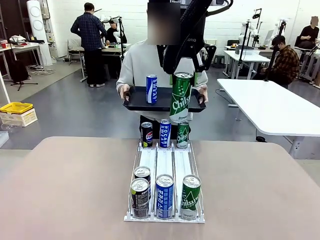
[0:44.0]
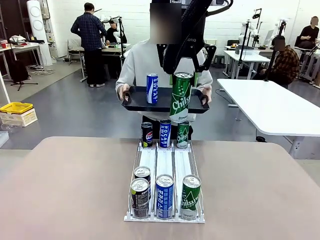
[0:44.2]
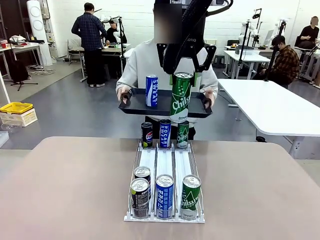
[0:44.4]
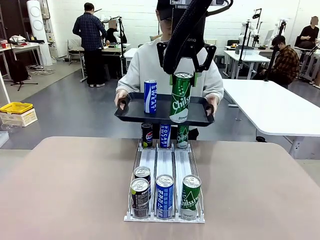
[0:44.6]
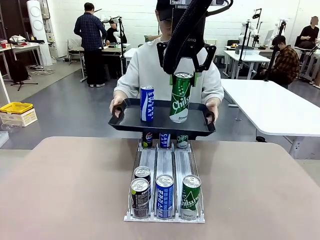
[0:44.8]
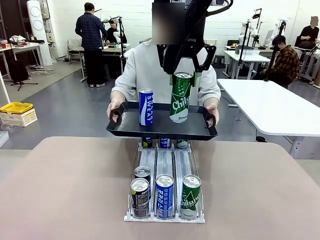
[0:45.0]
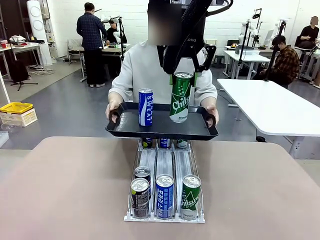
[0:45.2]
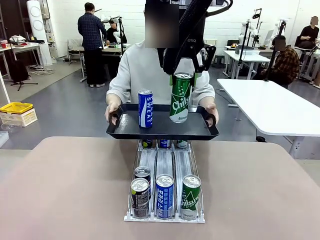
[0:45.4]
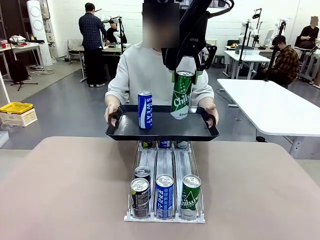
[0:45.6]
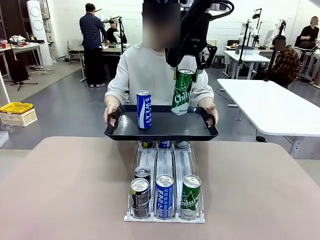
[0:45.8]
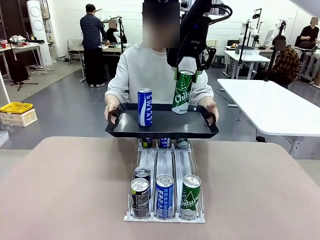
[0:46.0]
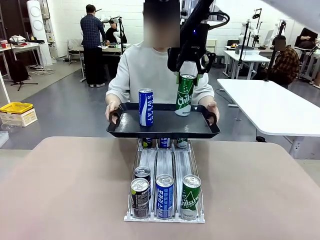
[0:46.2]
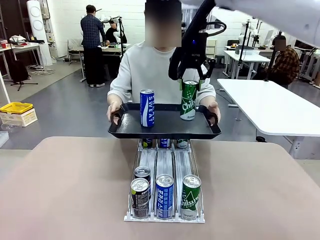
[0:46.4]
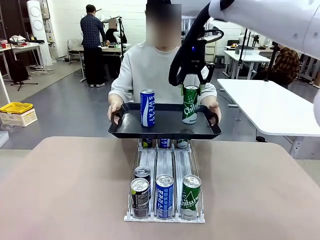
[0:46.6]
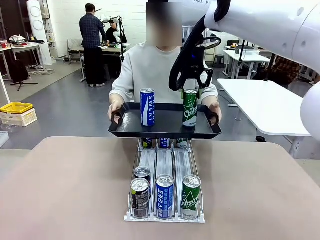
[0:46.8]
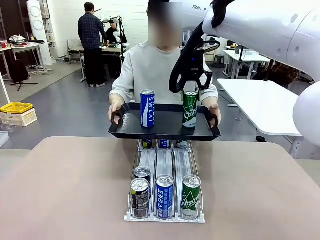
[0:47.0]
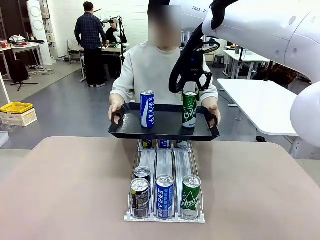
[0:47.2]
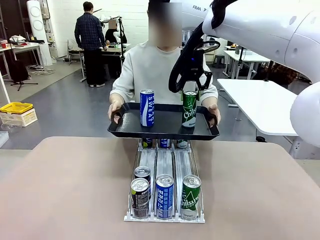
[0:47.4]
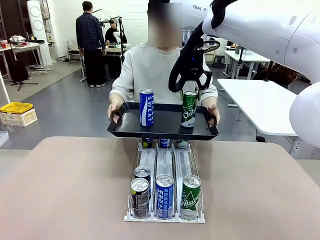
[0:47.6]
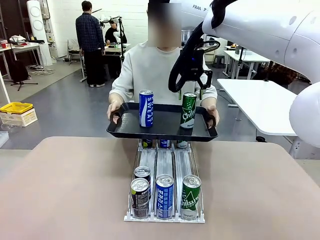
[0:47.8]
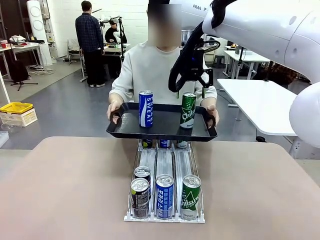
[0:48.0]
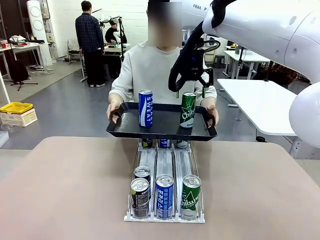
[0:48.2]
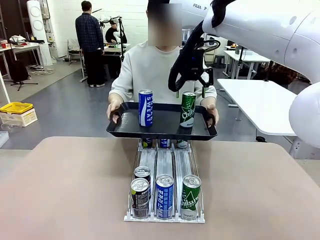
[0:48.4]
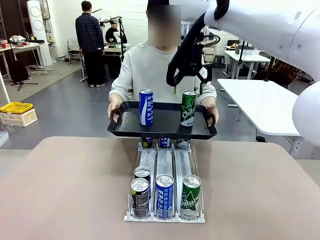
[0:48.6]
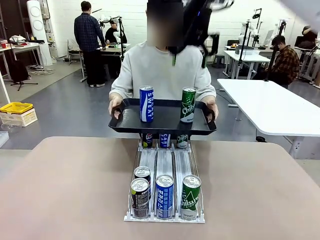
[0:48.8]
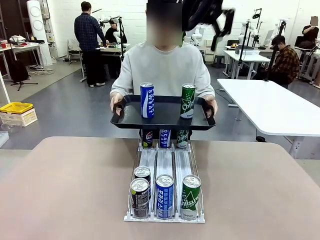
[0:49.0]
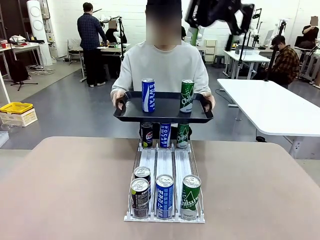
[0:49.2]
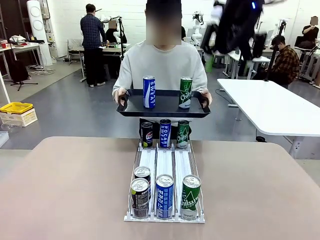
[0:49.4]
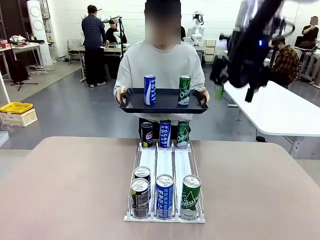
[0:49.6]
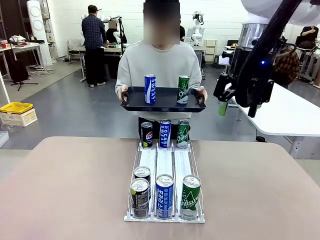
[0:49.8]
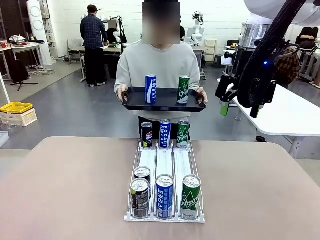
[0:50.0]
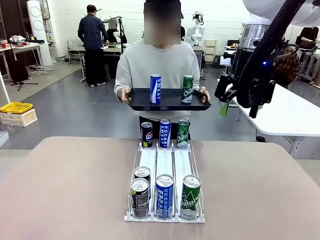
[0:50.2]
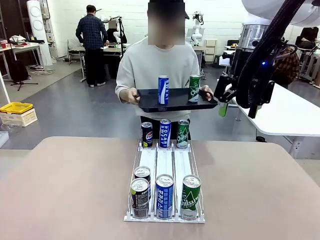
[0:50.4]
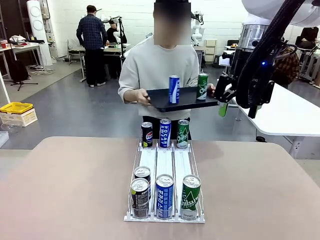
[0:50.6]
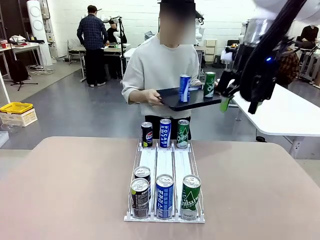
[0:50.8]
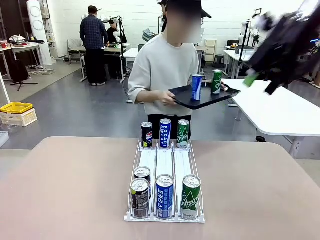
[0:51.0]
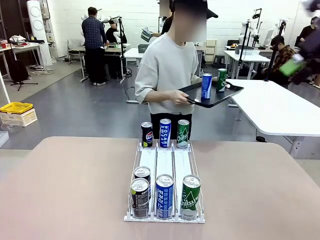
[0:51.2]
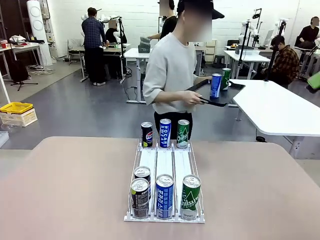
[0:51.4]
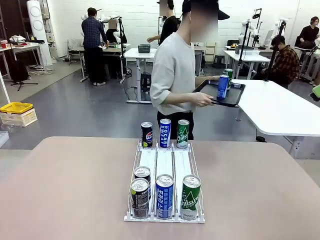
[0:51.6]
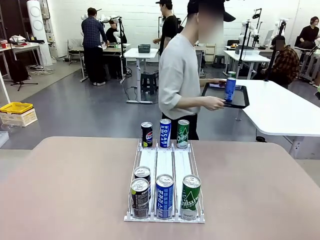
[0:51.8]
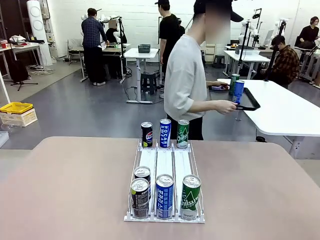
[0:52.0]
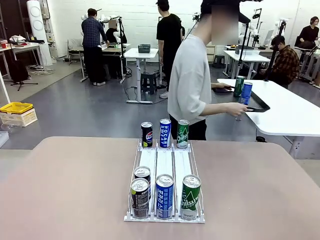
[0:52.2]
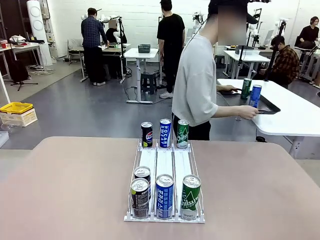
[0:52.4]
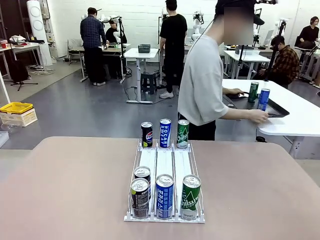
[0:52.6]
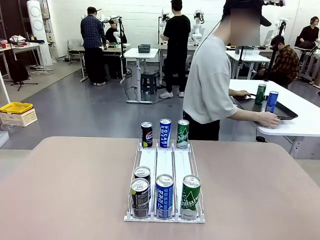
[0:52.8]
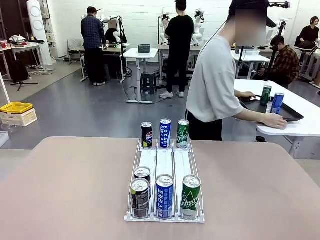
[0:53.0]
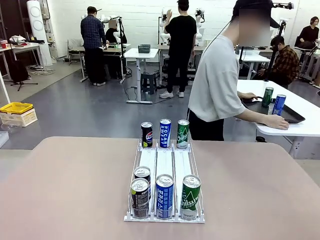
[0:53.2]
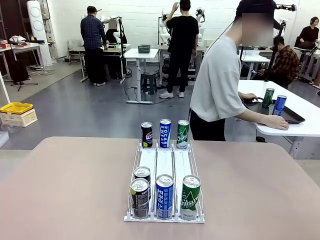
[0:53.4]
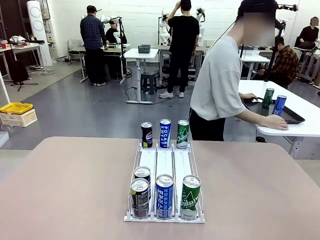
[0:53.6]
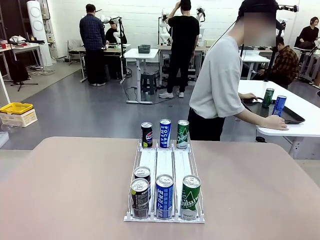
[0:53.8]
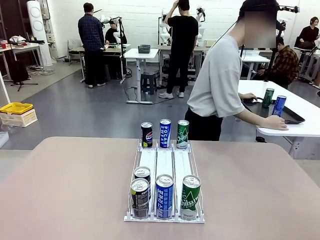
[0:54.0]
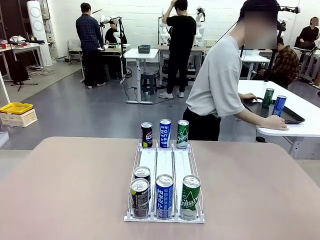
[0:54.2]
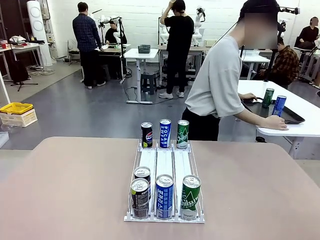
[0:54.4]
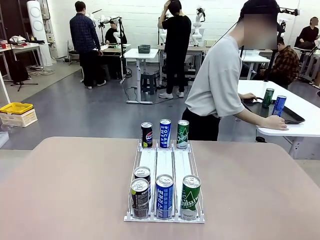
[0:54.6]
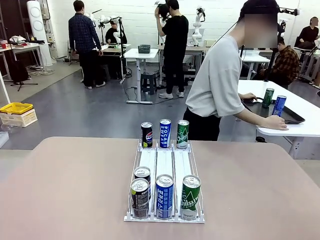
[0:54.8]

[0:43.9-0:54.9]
Task: Retrieve and hand over the desired beverage to the person.
Robot: Place the picked can on the Handle tray extended by the person.
Person: Pull the tray back and place it at the center of the human table.

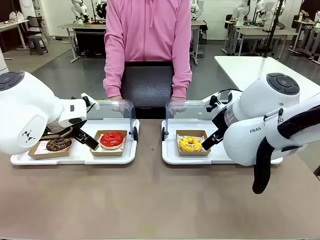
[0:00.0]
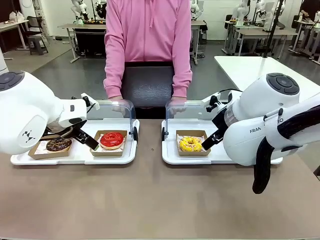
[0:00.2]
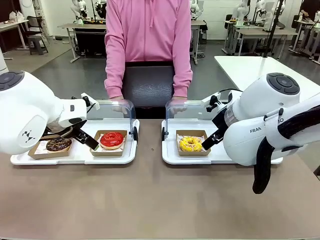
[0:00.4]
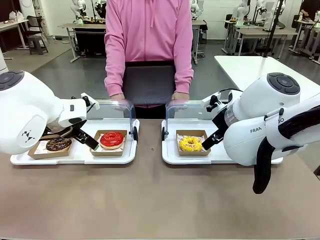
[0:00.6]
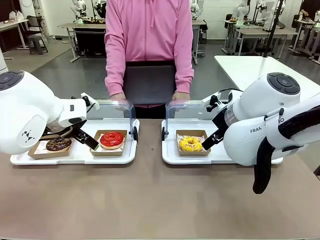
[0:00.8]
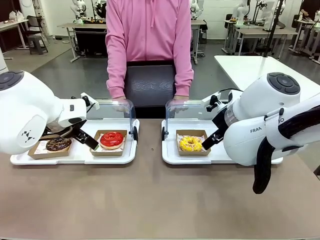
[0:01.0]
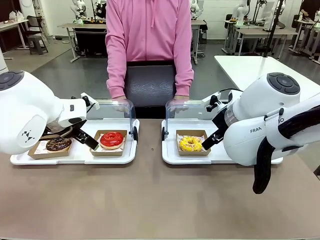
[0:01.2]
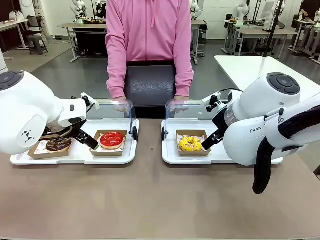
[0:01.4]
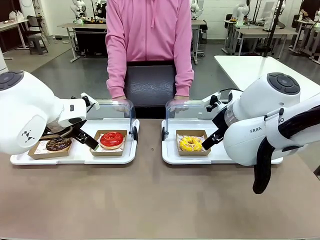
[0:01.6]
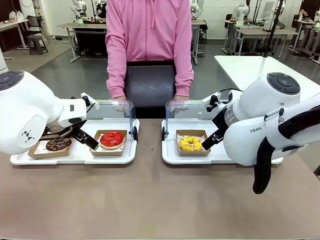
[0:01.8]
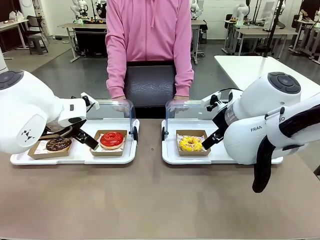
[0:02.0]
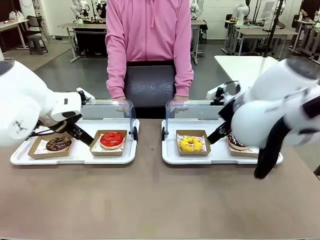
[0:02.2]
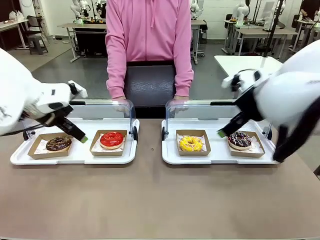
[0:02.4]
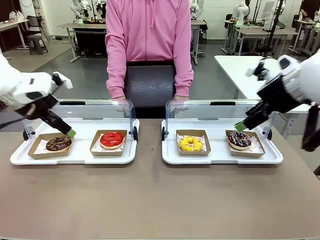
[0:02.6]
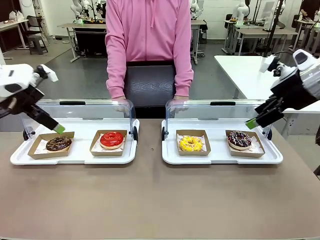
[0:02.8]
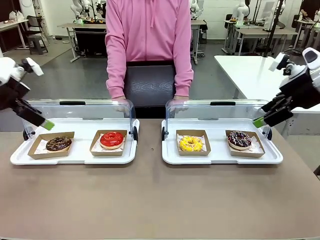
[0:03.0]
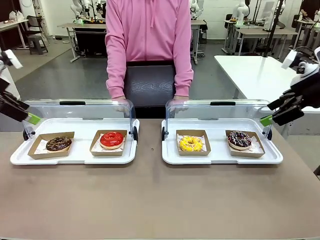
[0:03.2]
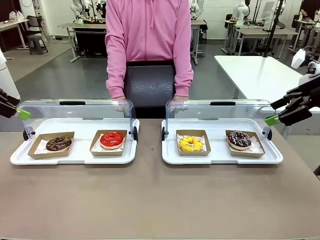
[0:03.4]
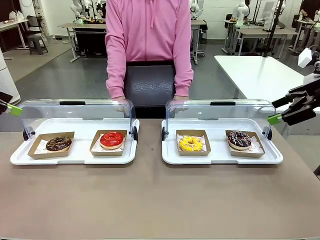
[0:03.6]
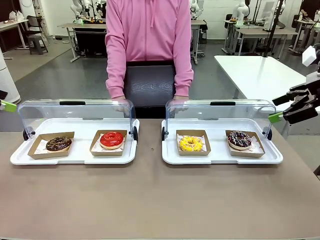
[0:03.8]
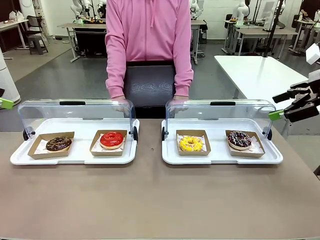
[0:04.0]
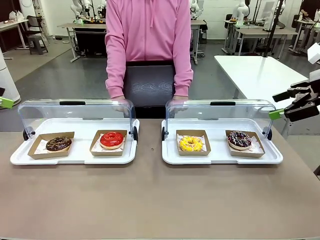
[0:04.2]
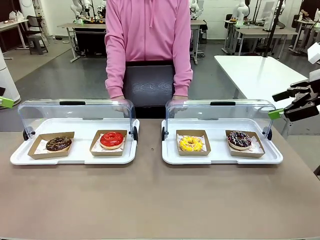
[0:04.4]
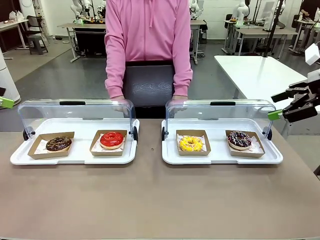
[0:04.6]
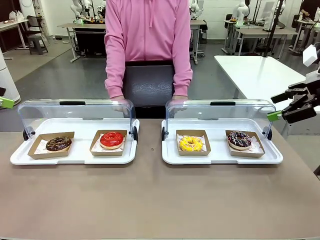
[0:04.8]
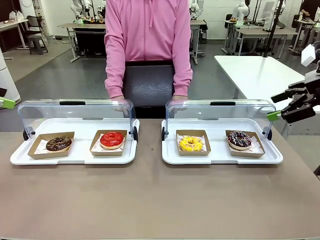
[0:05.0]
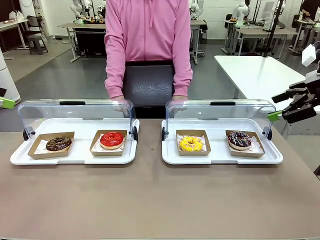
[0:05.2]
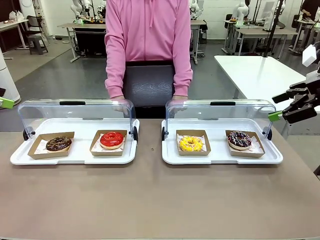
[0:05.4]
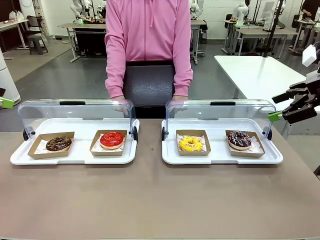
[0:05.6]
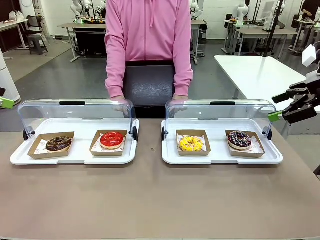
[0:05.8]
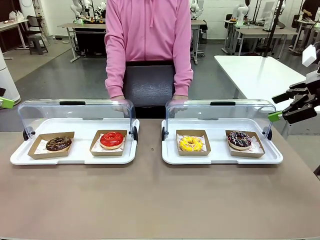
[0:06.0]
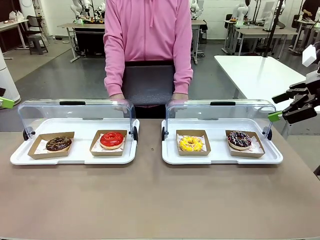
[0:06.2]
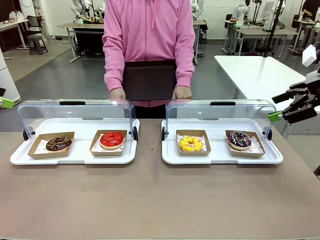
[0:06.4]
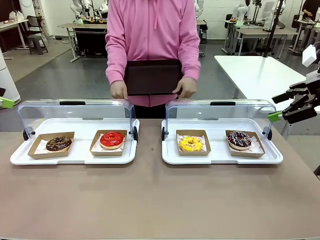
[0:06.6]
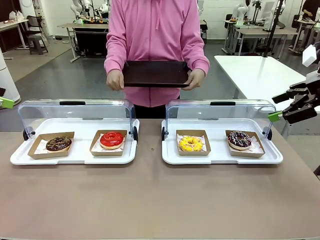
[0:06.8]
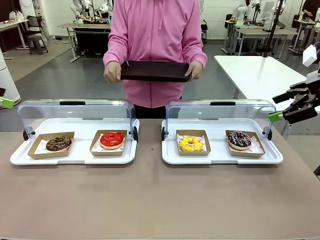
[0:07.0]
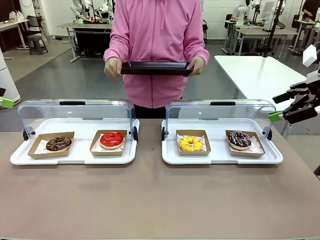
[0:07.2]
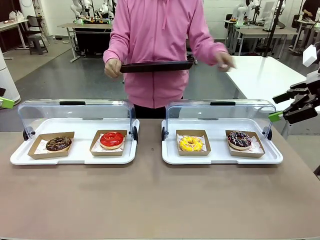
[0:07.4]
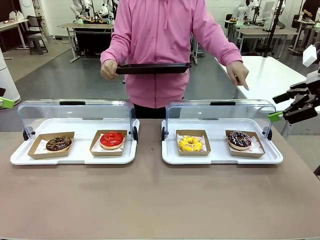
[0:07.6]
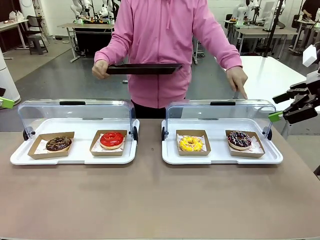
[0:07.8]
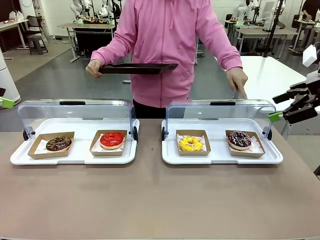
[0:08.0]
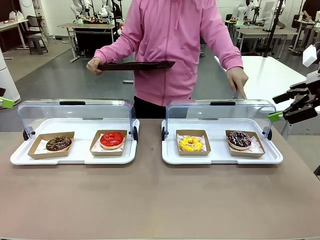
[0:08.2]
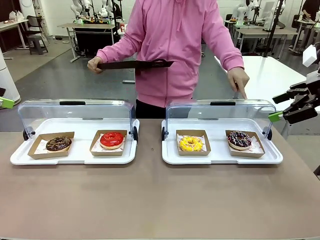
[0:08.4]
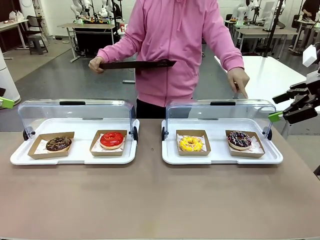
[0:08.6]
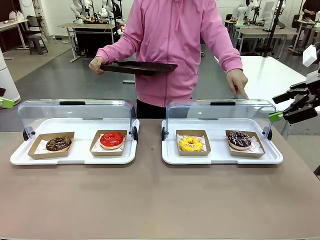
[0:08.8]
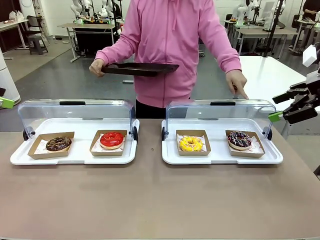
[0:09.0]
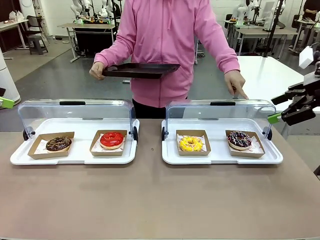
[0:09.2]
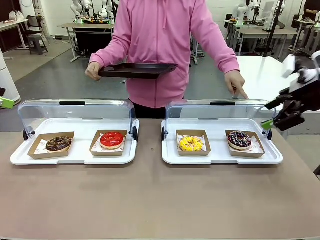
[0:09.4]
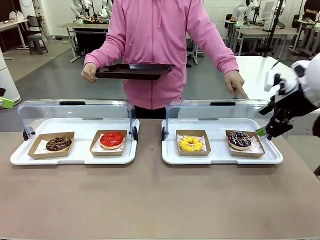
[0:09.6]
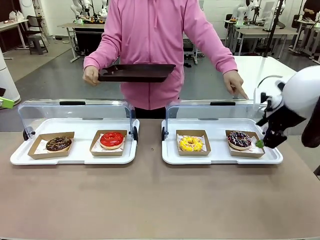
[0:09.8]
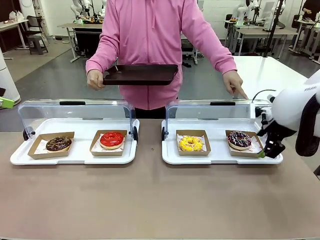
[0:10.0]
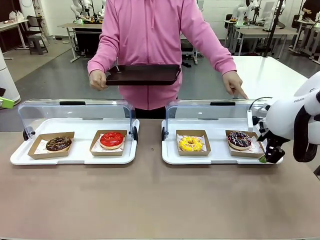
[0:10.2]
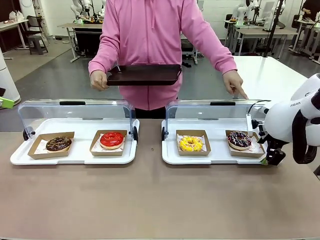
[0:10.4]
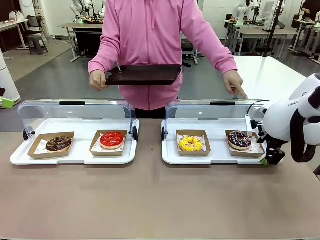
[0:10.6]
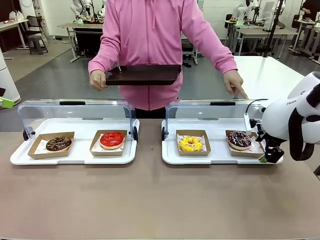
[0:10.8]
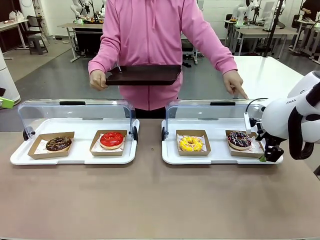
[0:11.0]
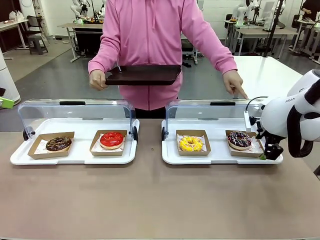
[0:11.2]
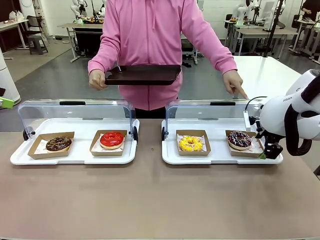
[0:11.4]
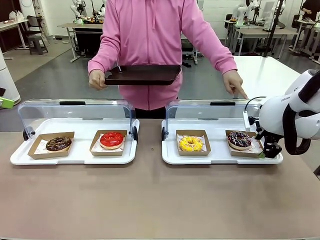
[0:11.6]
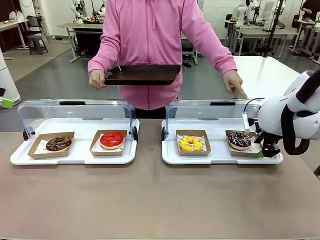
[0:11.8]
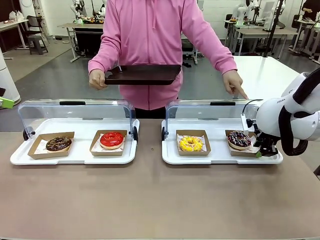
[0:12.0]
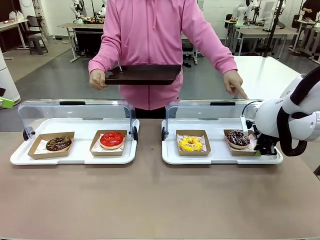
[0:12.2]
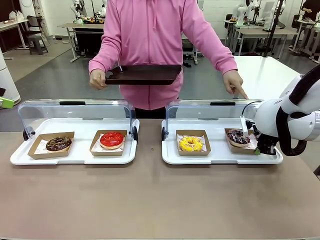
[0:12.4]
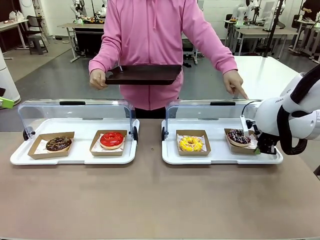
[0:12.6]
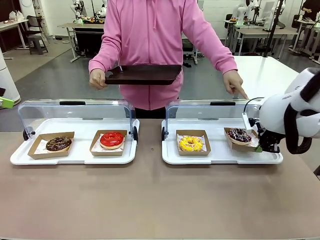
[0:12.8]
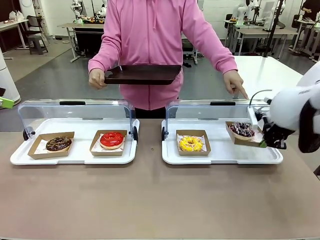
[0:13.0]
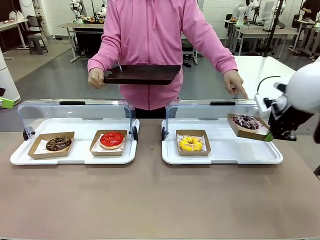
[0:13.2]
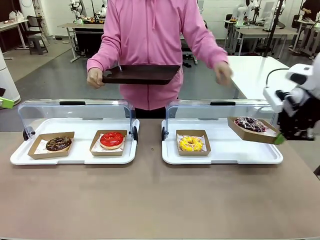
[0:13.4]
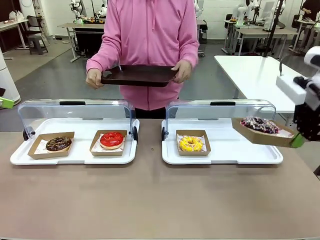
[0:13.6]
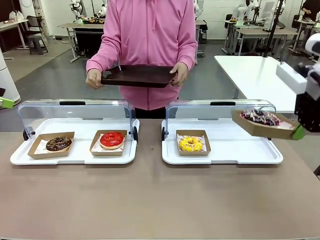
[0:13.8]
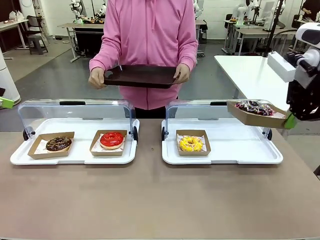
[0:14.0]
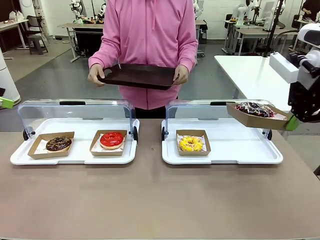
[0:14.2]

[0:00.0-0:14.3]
Task: Provide the desired donut to the person.
Robot: Pick up and lift the Paper togo box containing the Donut pointed at by the person.
Person: Point to one donut. Lift the tray onto the Roll-Top Bakery Case.
